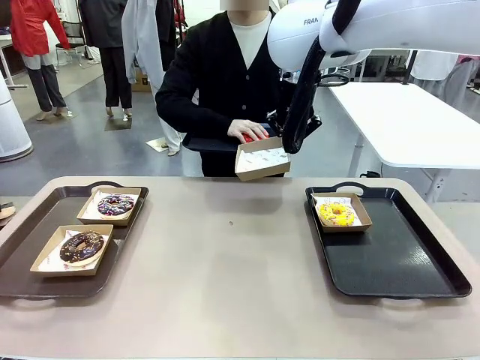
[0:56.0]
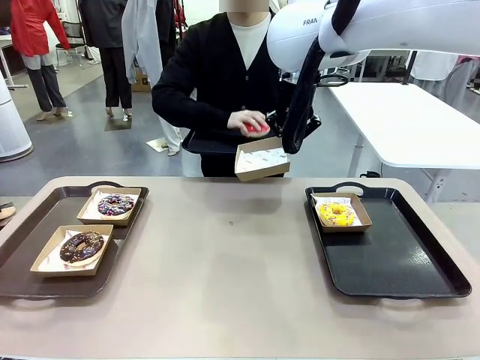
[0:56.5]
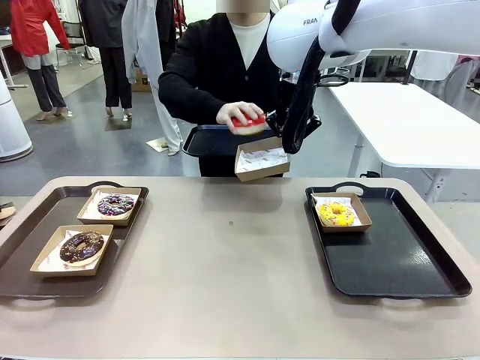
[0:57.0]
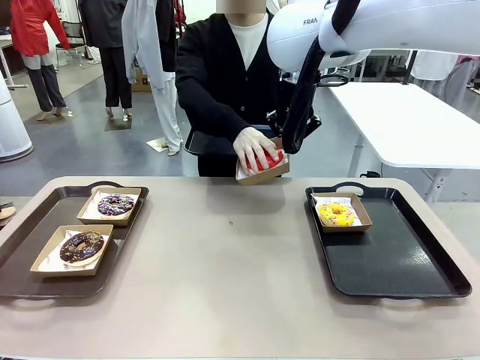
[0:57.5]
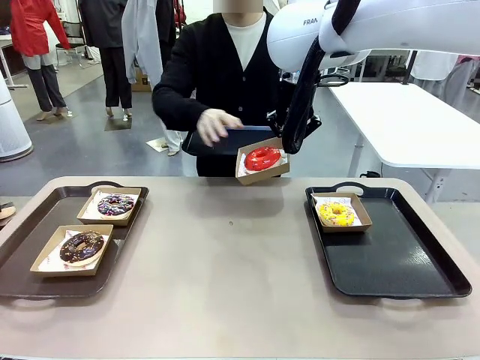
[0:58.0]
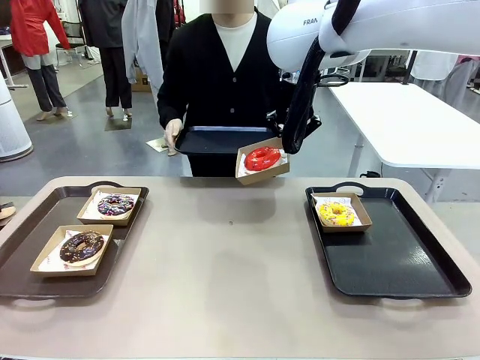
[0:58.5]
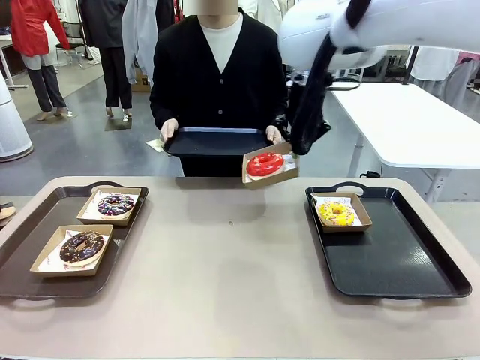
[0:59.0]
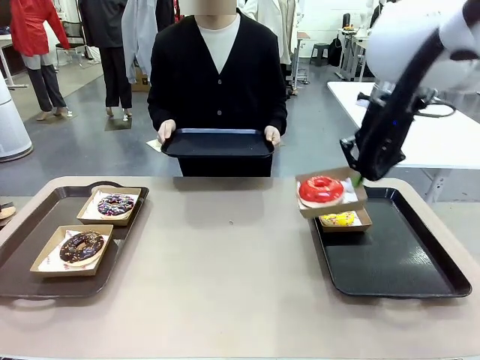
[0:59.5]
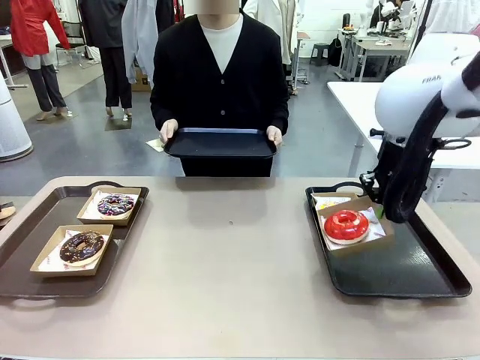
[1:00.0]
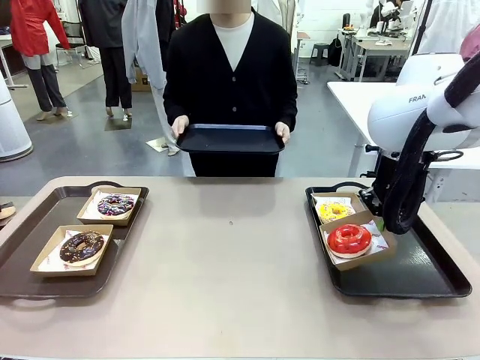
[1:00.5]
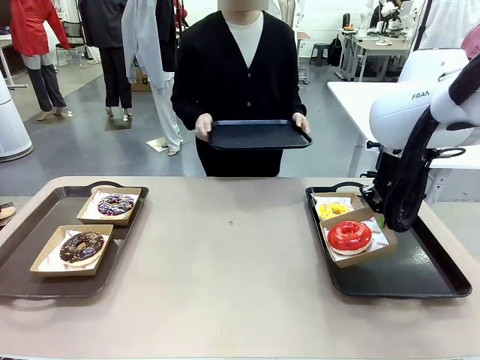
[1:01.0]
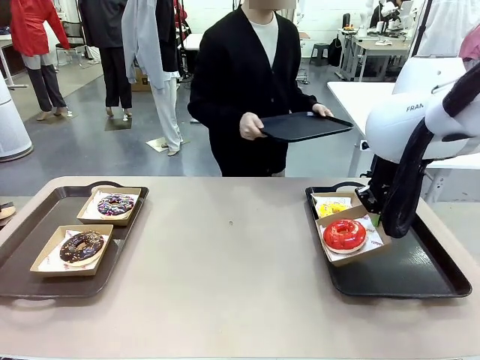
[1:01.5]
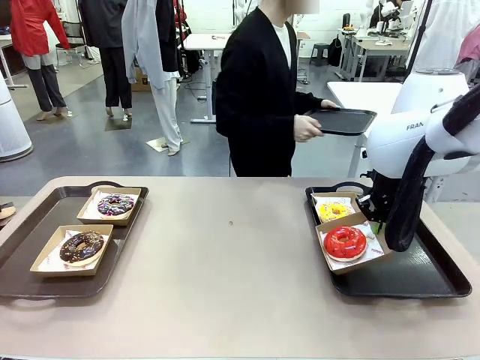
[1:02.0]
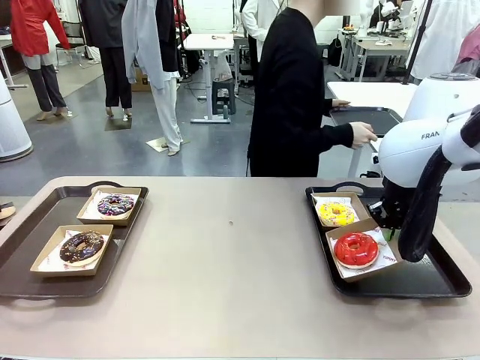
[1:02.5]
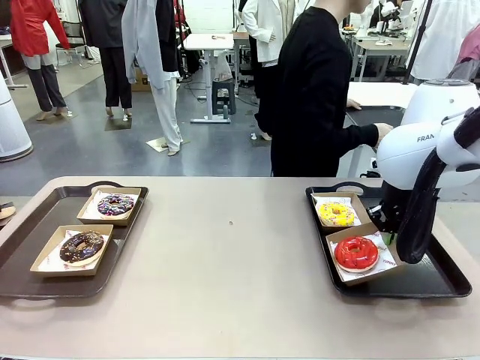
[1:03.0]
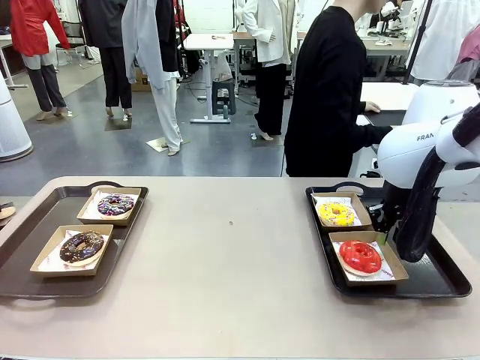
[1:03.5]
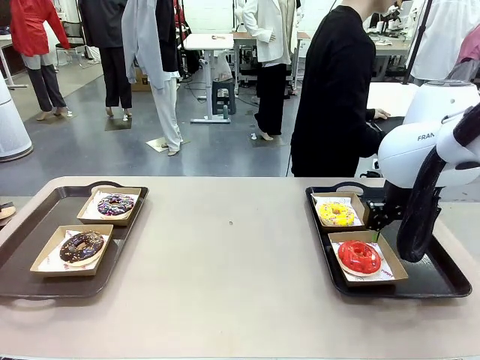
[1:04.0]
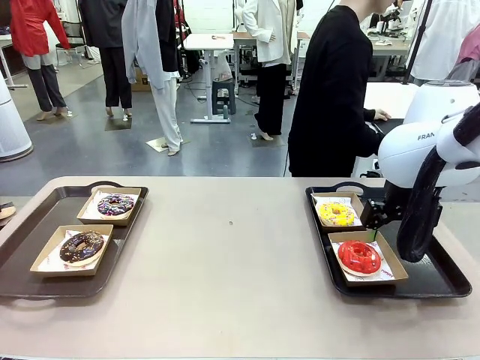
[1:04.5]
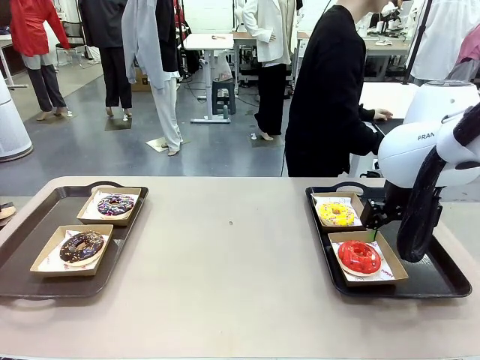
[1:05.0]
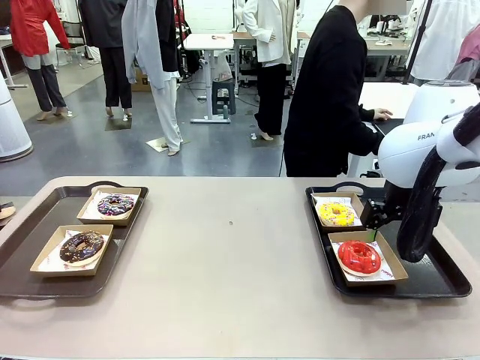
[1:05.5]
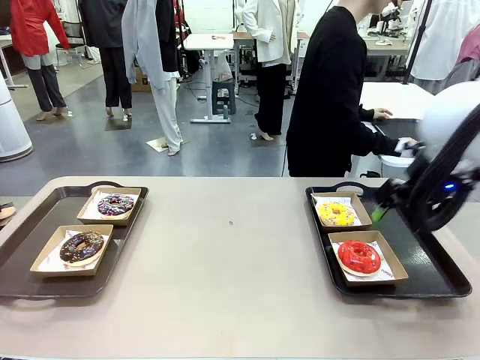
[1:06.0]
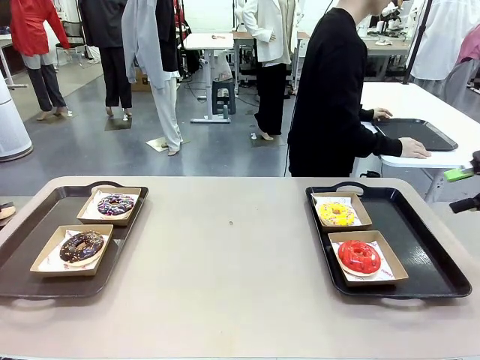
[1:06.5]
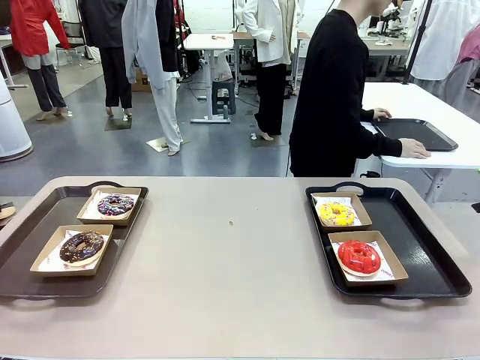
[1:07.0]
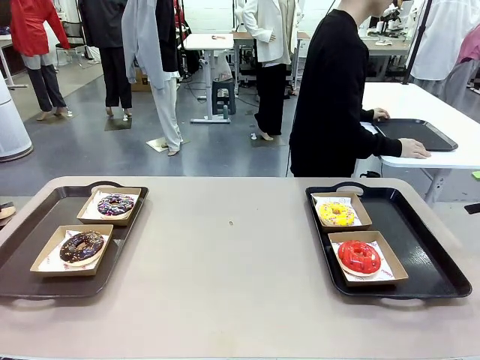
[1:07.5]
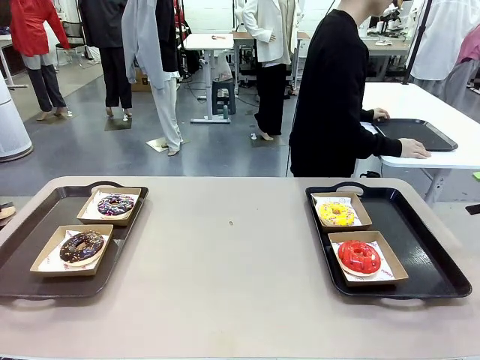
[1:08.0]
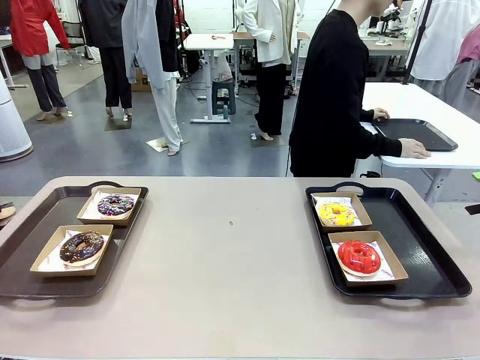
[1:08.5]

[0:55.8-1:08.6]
Task: Individually package the donuts and arrange them on the tray.
Robot: Place the picked Paper togo box on the Handle tray.
Person: Place the tray down in the middle of the human table.

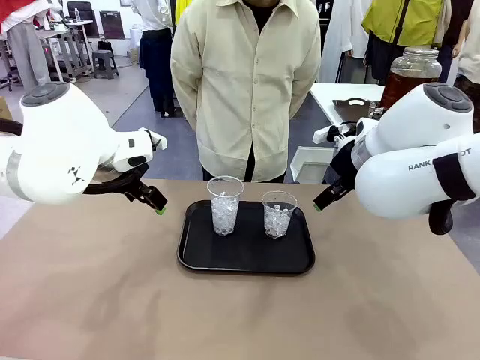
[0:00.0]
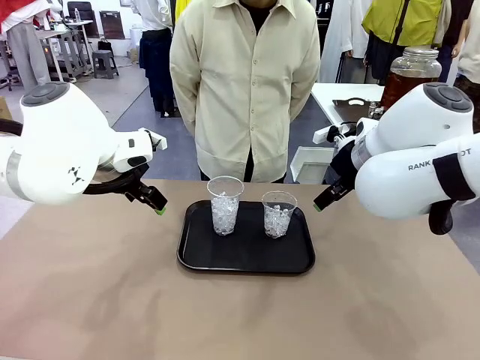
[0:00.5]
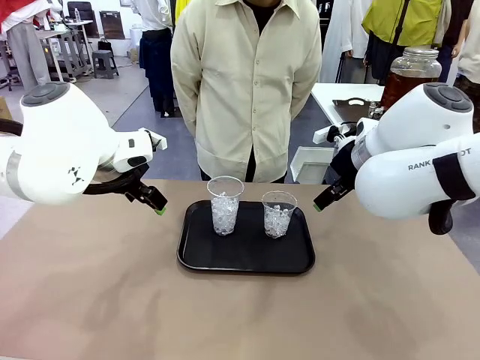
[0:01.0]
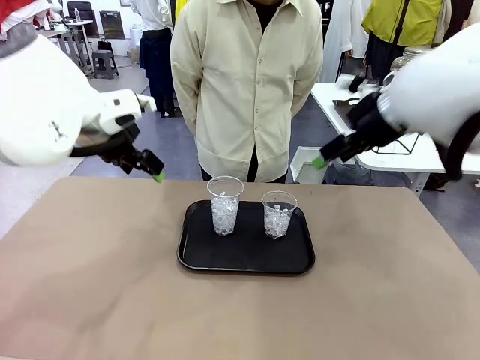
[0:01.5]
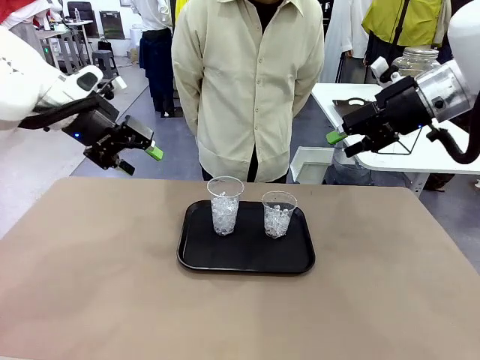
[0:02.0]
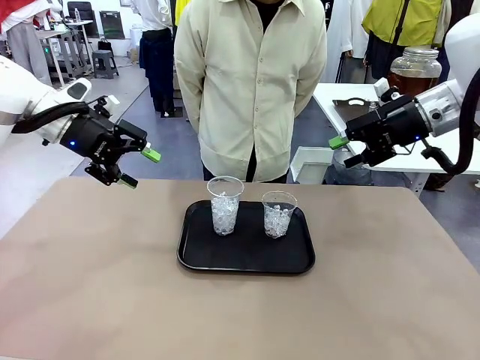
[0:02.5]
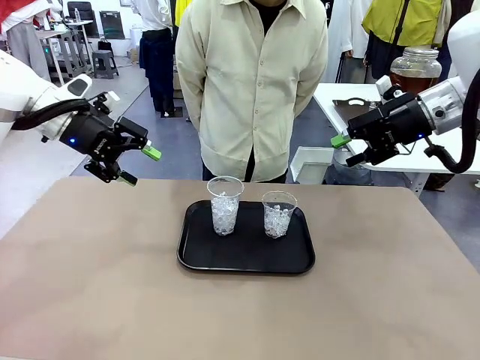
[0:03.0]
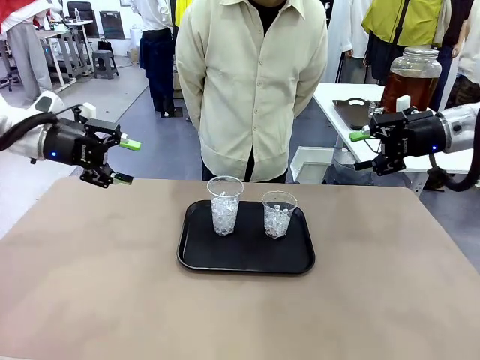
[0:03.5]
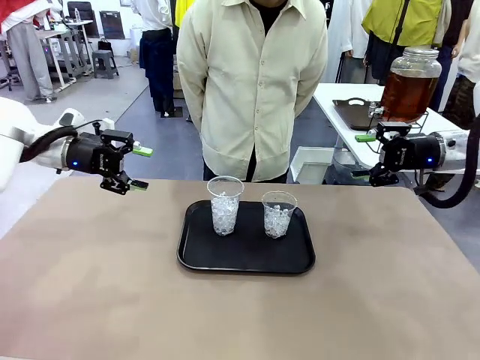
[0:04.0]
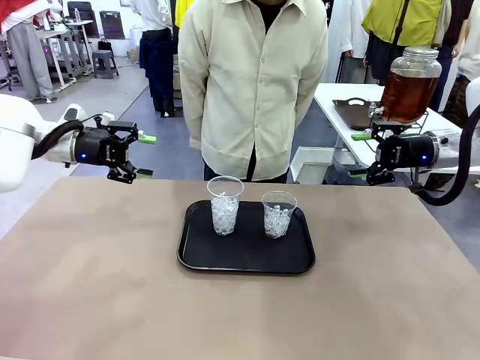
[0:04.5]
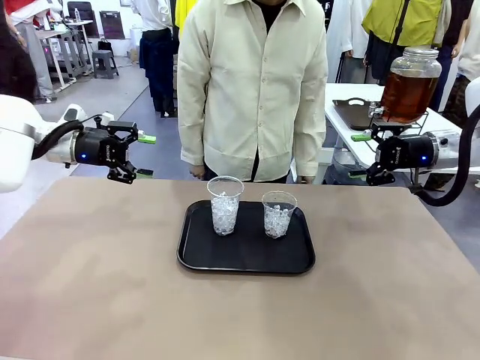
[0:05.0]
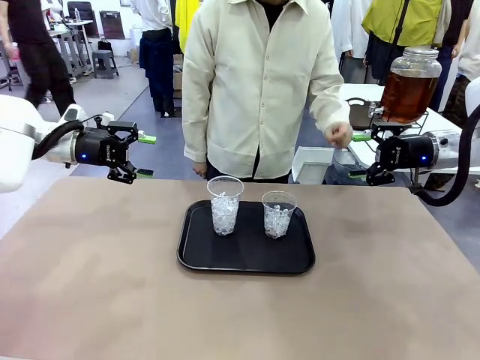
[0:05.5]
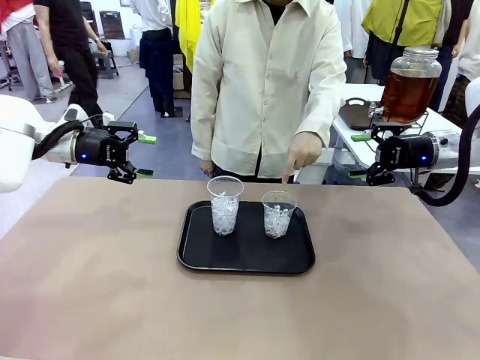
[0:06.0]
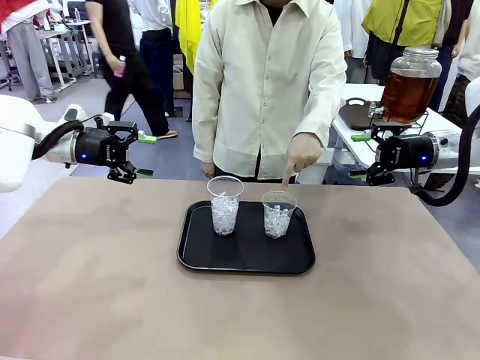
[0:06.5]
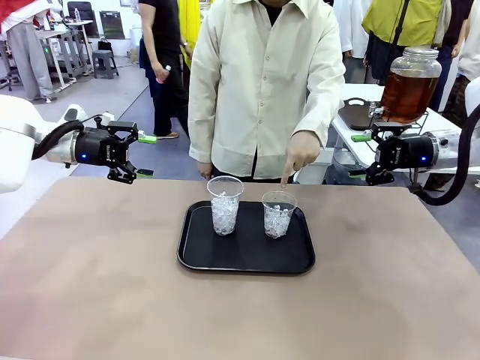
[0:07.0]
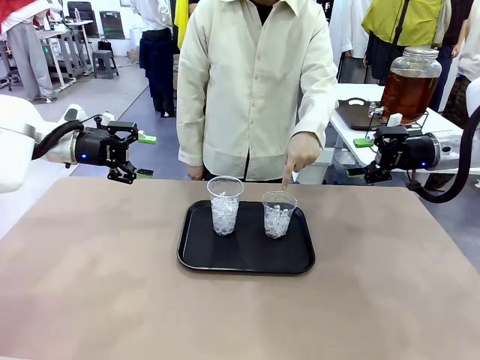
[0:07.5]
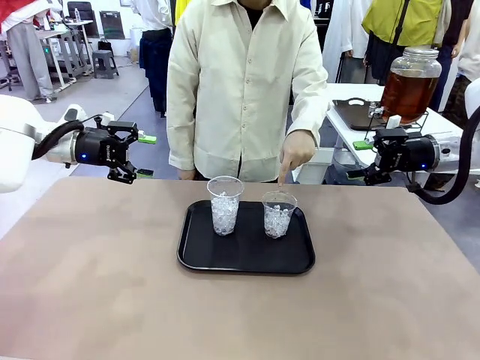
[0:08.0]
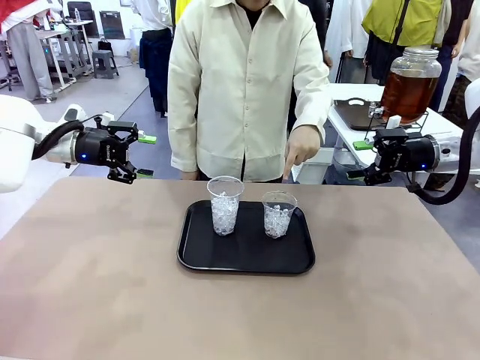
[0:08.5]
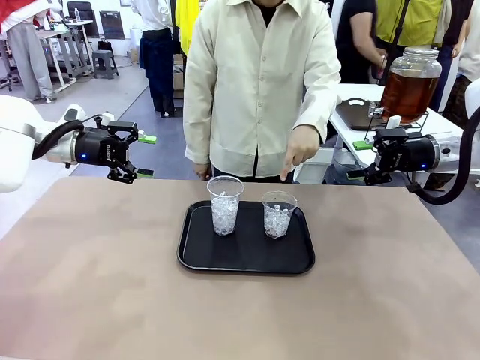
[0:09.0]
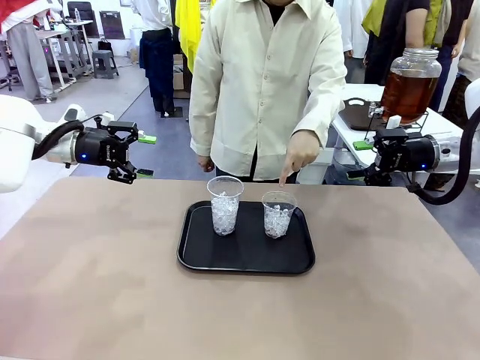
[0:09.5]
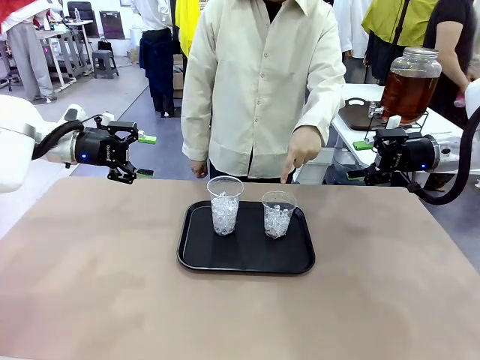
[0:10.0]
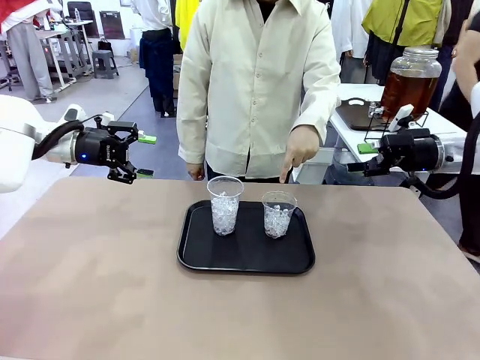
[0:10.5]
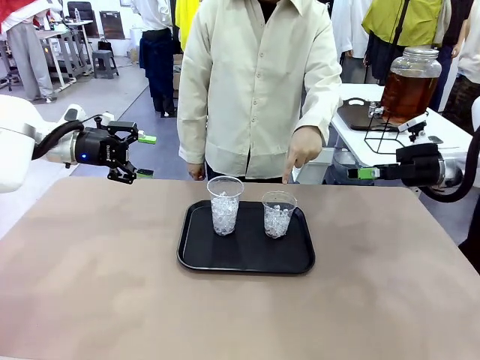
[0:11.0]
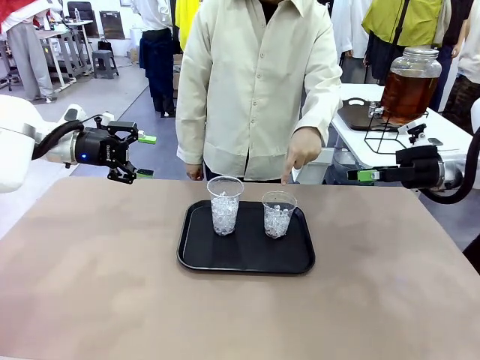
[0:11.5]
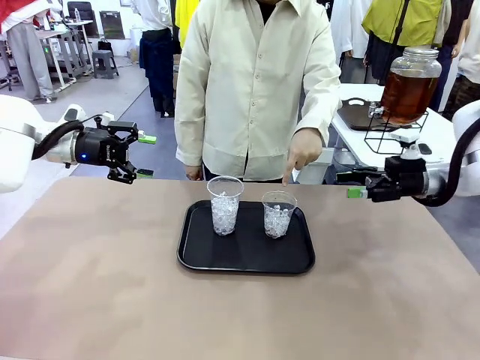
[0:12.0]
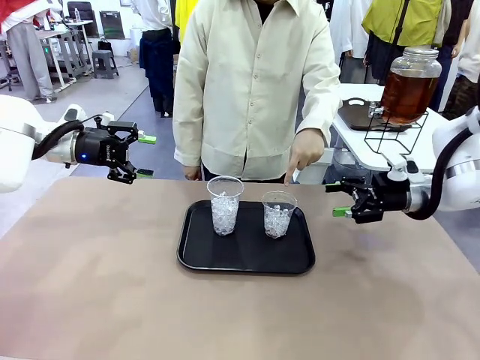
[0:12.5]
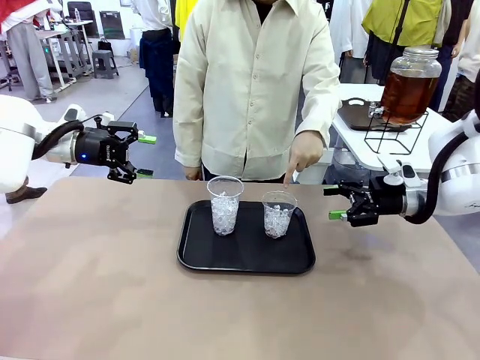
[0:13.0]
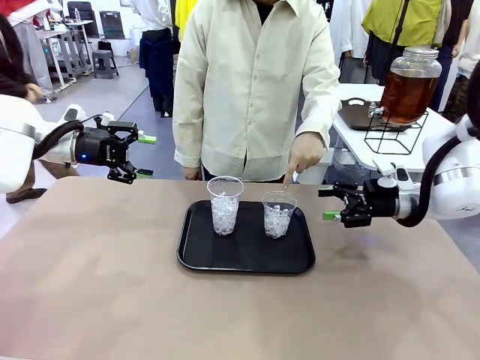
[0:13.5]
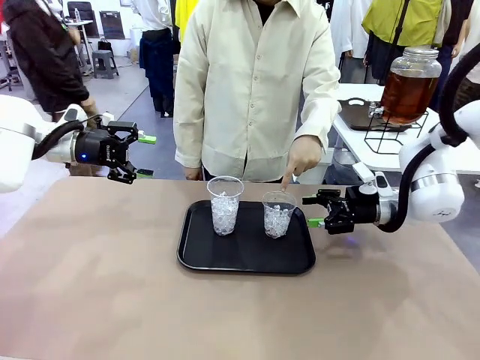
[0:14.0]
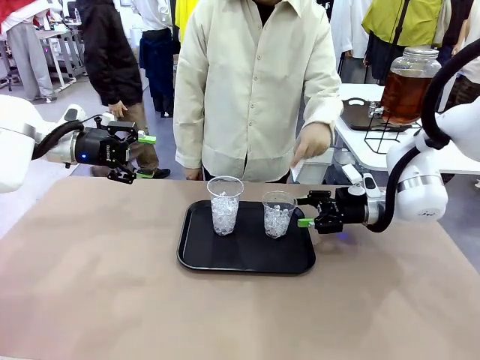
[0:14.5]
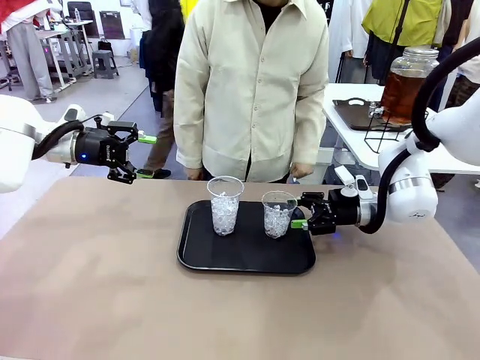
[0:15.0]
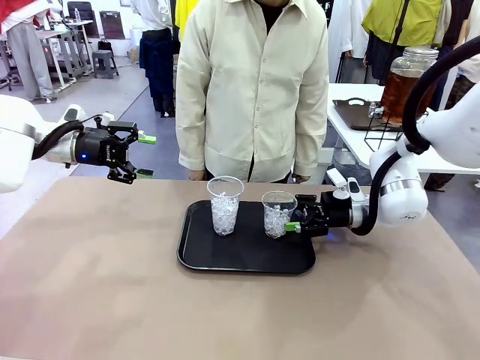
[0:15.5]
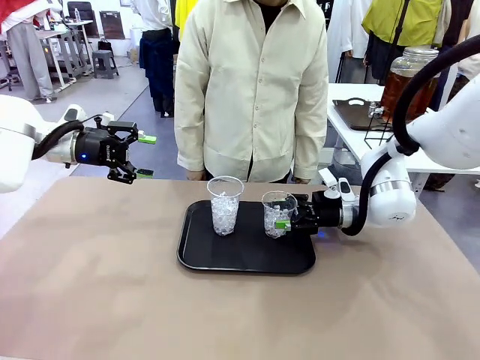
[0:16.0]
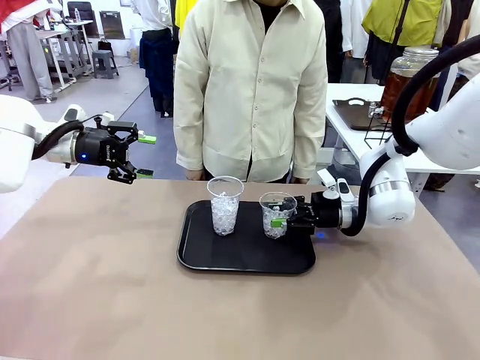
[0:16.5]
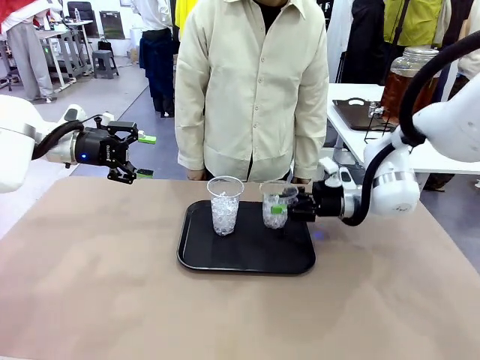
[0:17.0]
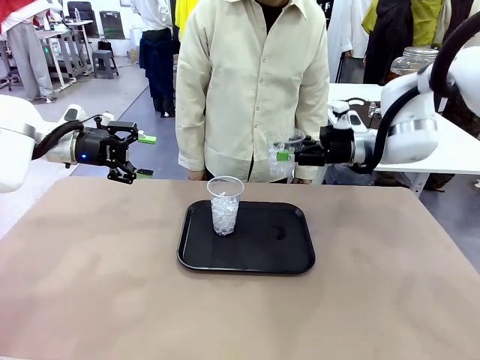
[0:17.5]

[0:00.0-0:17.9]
Task: Pour the drink into the iced cup.
Robot: Pick up the iced cup indicated by the human and present it to them.
Person: Point to one of the two ice cups. Pick up the cup offered by the robot.
